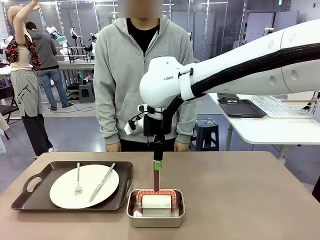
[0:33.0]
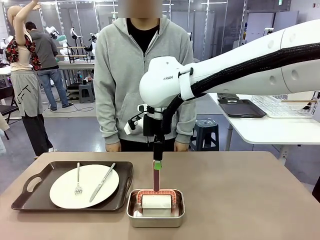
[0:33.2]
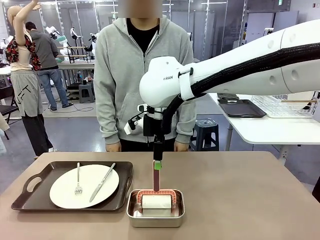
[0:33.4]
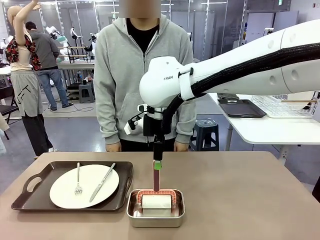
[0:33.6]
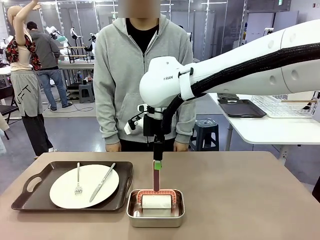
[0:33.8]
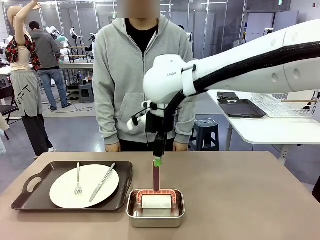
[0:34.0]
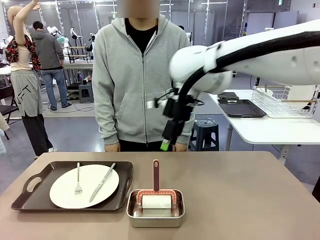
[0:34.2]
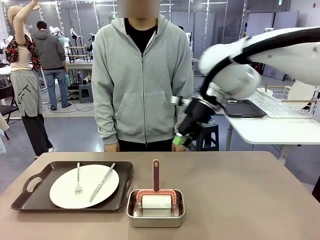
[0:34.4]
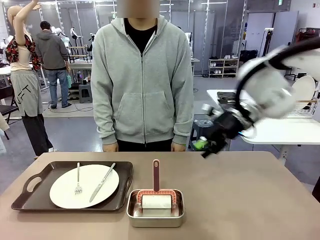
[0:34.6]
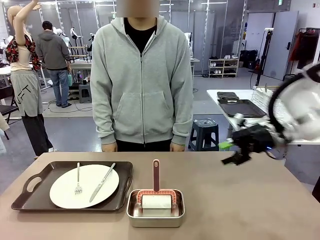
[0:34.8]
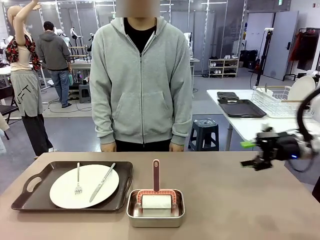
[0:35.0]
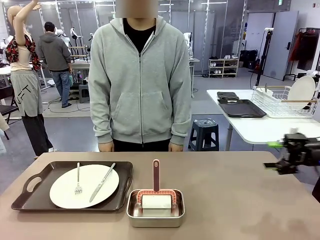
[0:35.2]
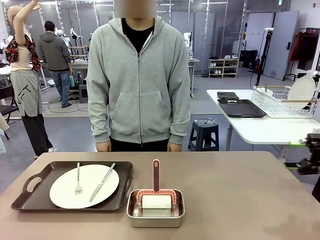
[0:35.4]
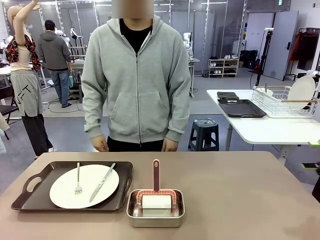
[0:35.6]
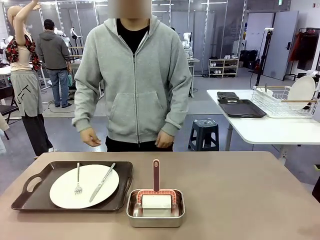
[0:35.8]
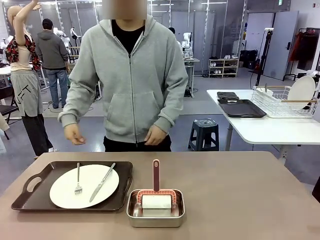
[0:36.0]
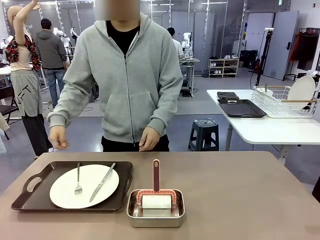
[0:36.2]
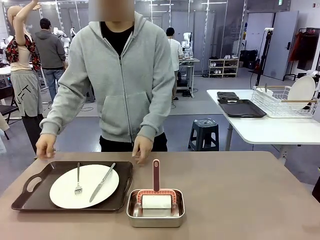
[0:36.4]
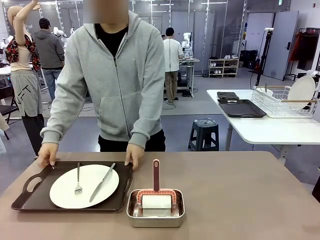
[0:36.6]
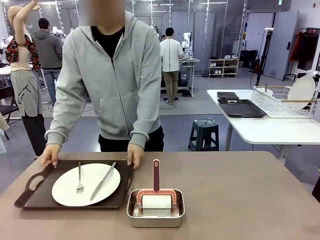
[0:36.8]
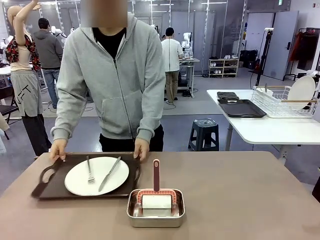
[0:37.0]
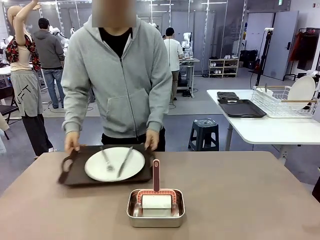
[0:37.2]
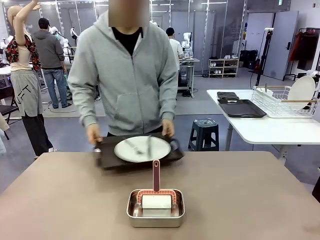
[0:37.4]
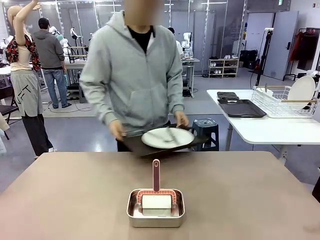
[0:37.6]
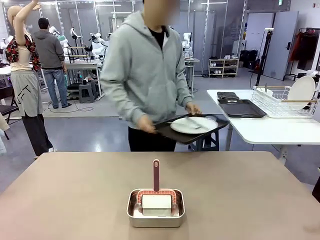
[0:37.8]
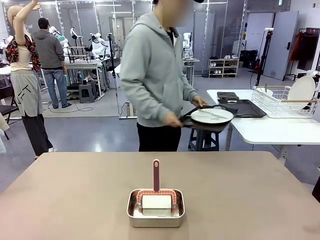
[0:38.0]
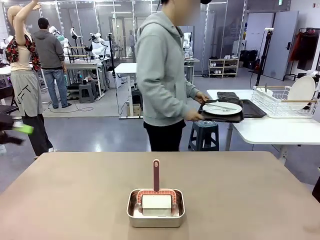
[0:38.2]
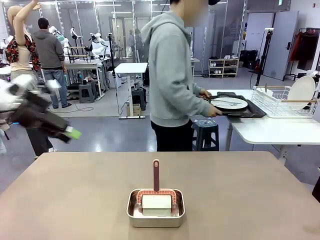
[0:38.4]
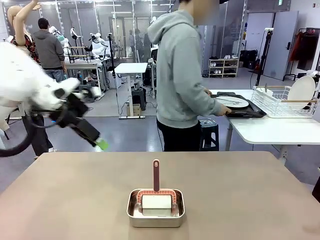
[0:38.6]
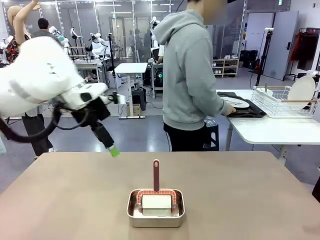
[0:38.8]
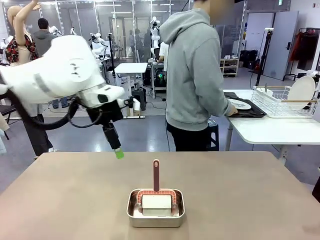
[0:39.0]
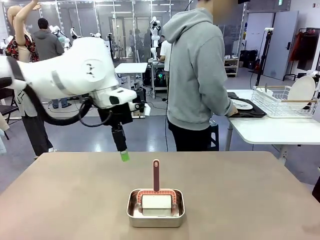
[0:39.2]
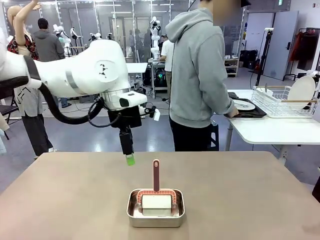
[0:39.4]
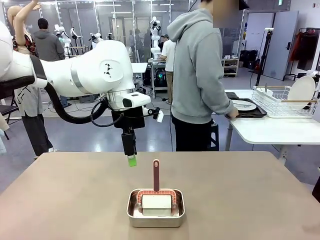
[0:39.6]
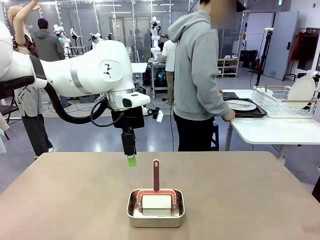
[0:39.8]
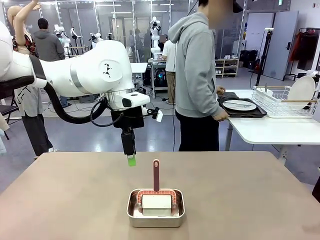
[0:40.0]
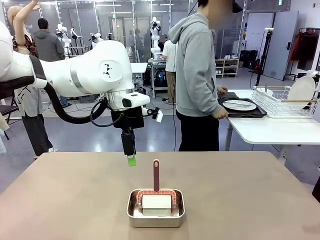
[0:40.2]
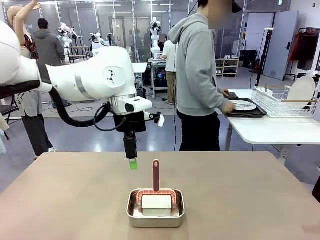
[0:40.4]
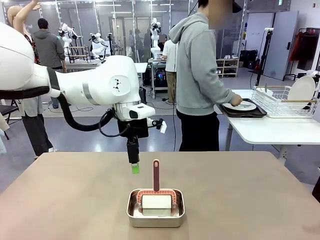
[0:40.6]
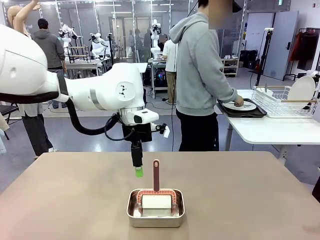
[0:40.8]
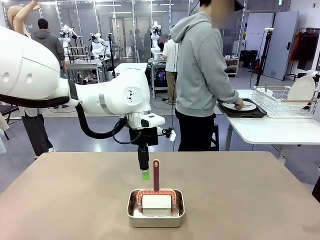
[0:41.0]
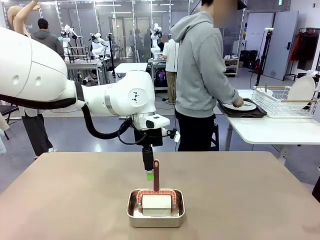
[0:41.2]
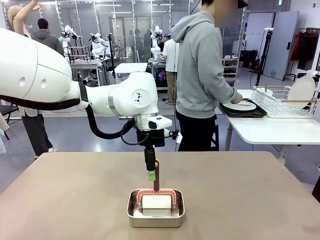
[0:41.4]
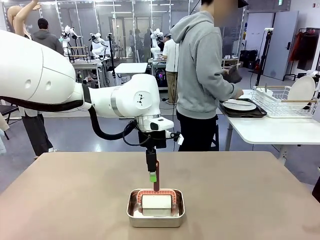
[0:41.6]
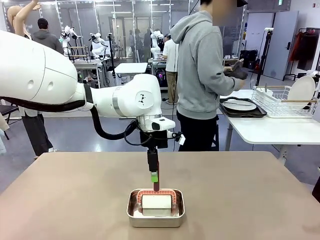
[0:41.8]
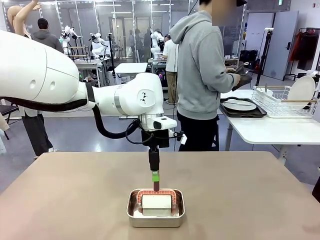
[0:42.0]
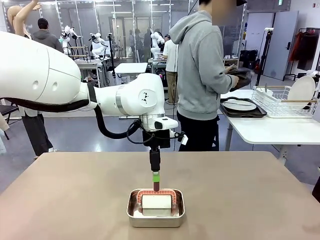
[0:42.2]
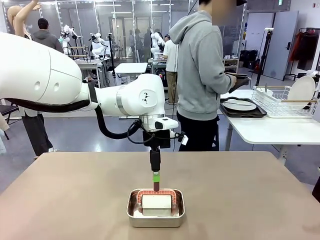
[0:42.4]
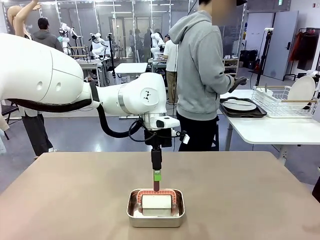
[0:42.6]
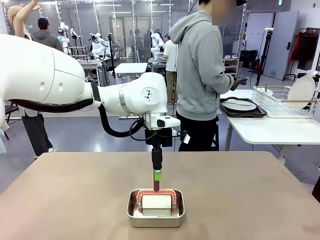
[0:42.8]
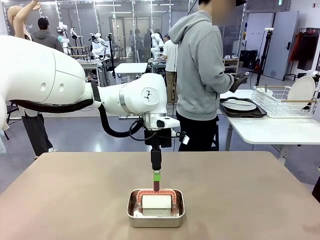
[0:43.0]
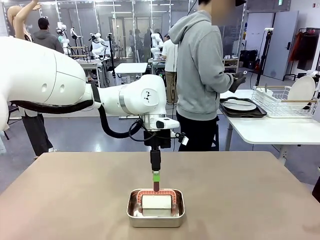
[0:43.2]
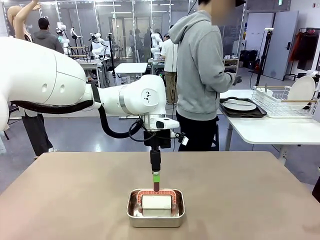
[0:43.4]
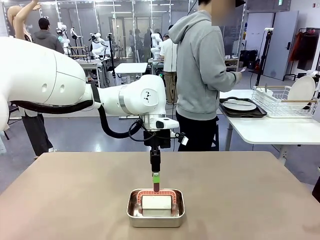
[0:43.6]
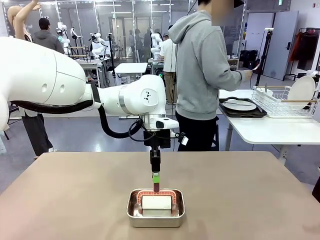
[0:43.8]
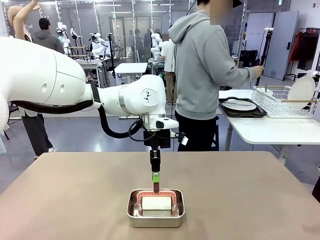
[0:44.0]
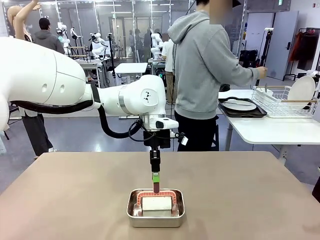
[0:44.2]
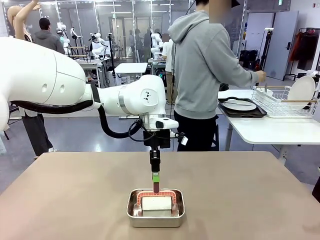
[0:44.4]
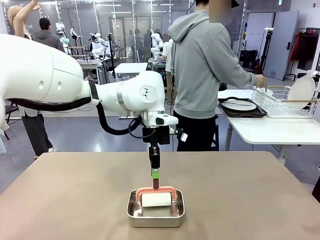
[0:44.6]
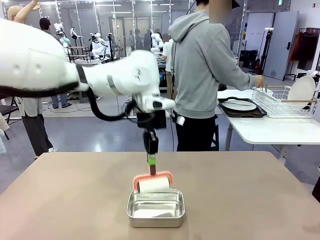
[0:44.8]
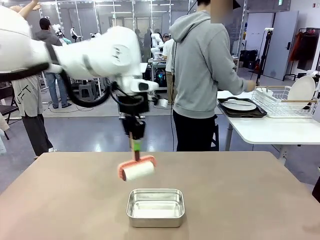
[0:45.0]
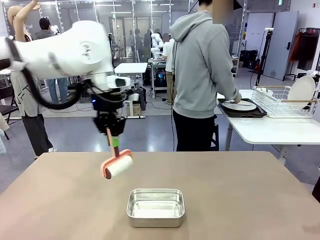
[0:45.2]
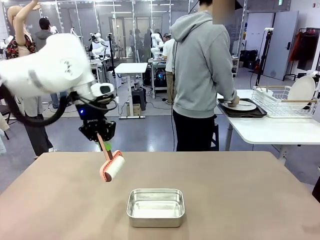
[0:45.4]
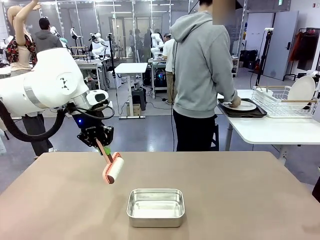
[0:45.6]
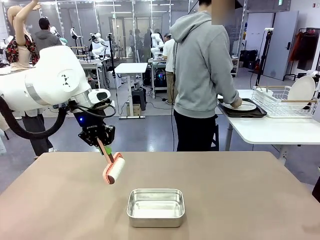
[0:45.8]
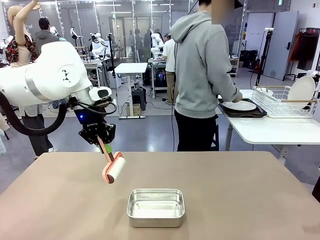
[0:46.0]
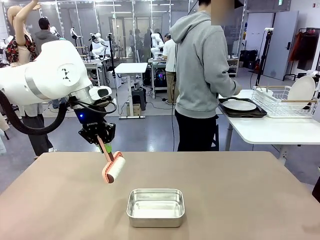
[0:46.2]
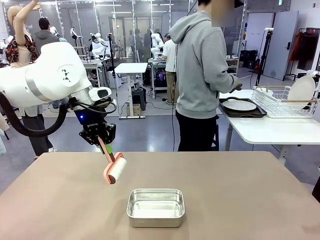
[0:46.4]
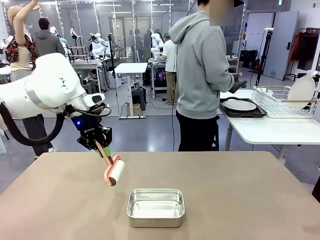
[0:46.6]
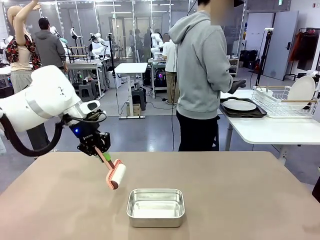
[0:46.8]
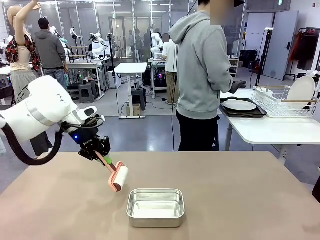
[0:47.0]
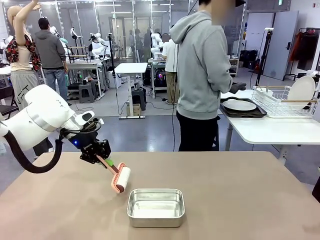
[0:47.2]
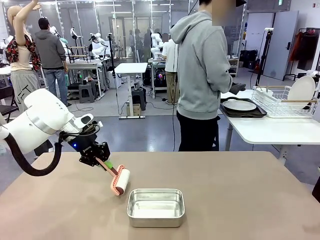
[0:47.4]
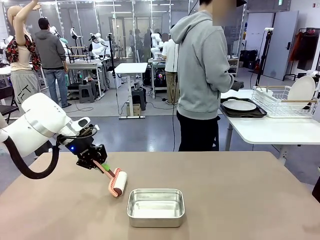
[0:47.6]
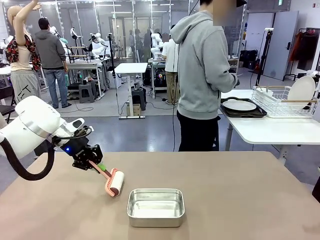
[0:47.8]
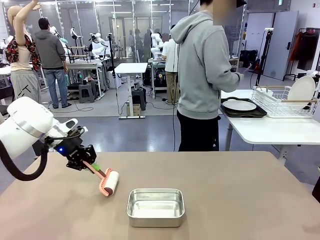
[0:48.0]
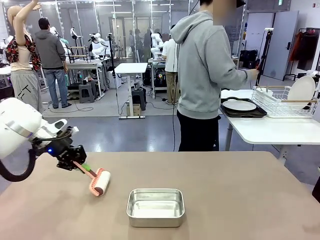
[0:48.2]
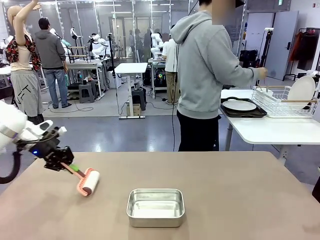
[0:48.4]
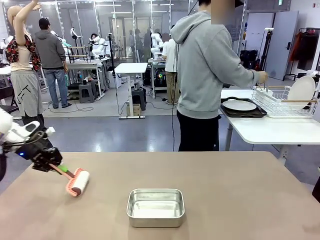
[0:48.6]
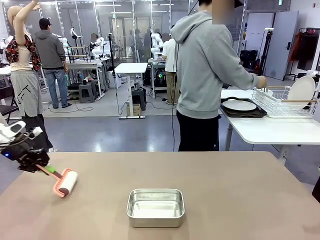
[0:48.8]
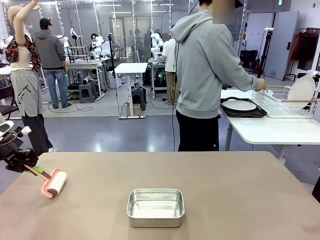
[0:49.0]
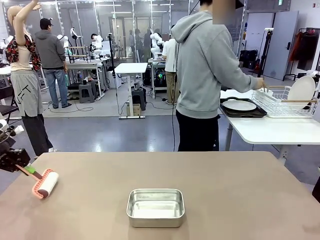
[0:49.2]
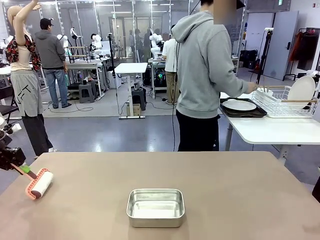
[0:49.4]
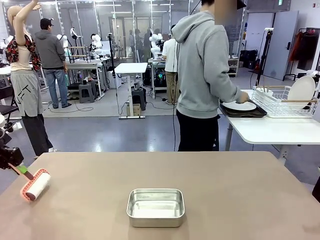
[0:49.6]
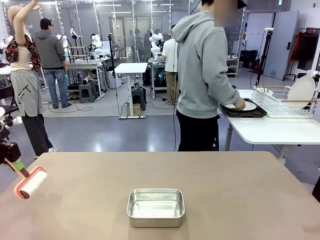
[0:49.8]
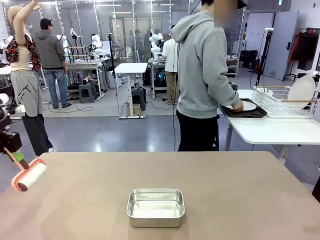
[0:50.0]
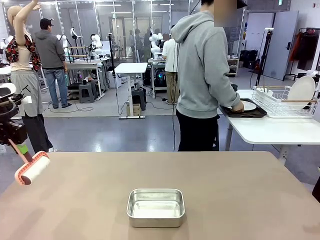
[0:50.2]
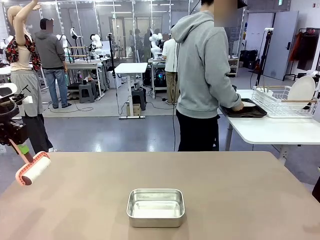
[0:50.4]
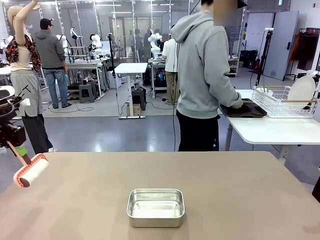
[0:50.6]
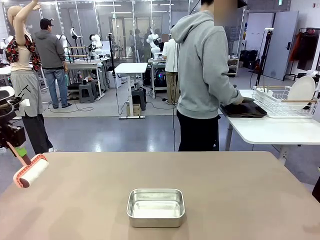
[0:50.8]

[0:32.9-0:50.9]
Robot: When the right (or left) Handle tray is removed, use the right hand (or left hand) to clean the right (or left) side of the table with the Lint Roller.
Person: Use the Towel with hook to wipe the Plastic Matte Plate , Fork , and Knife and place into the Dish drying rack.

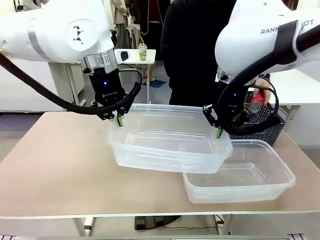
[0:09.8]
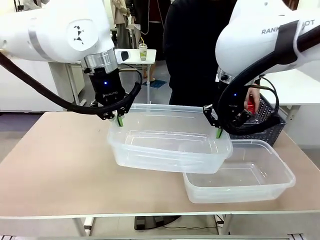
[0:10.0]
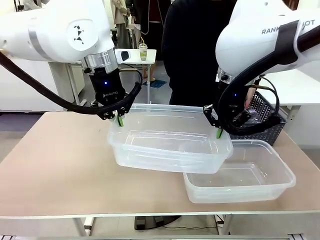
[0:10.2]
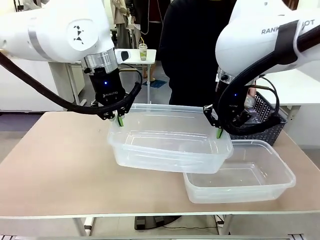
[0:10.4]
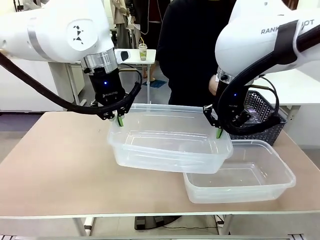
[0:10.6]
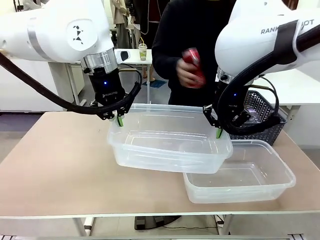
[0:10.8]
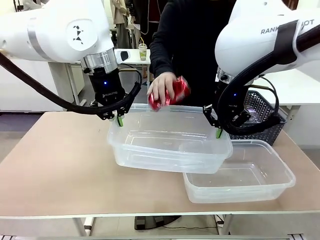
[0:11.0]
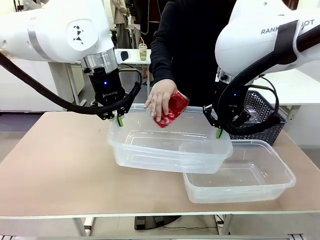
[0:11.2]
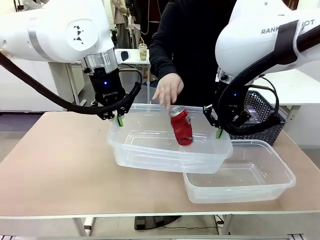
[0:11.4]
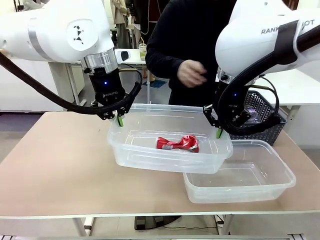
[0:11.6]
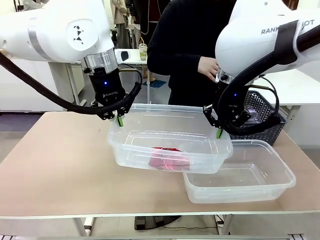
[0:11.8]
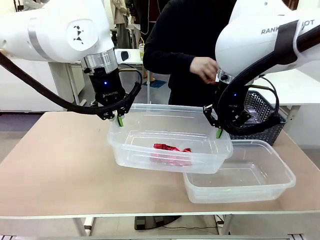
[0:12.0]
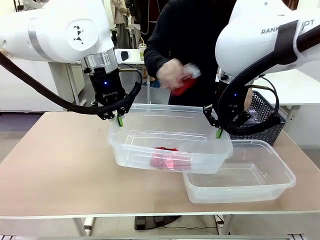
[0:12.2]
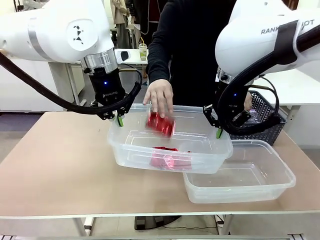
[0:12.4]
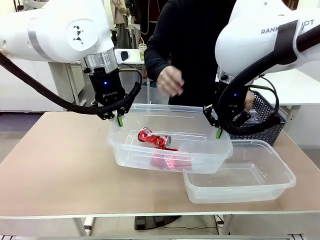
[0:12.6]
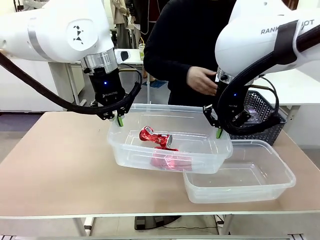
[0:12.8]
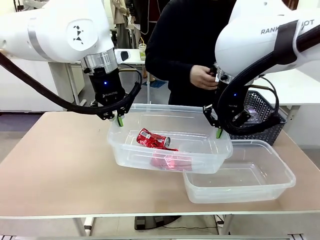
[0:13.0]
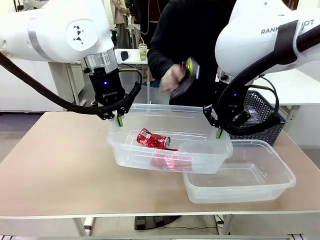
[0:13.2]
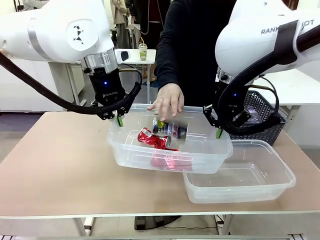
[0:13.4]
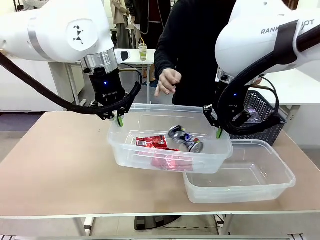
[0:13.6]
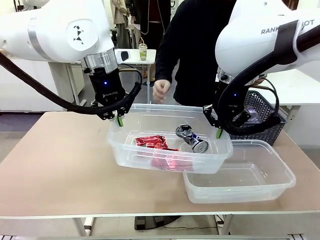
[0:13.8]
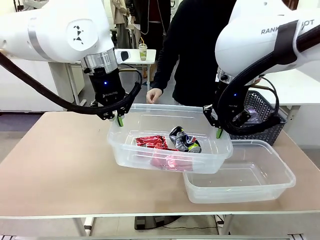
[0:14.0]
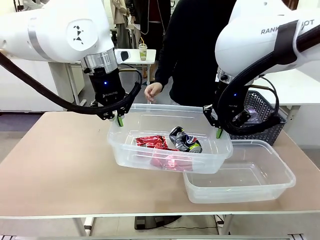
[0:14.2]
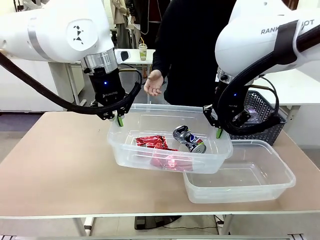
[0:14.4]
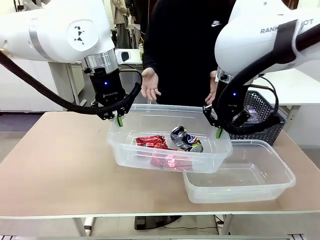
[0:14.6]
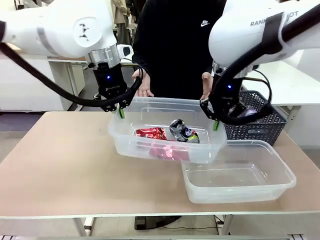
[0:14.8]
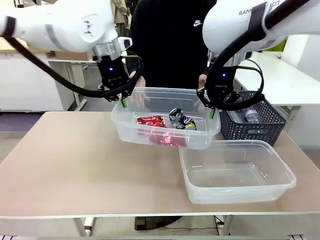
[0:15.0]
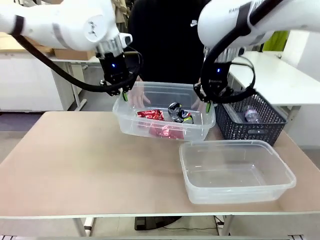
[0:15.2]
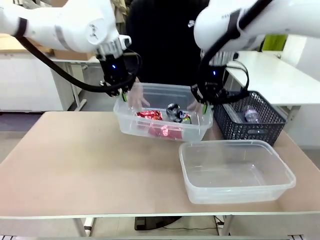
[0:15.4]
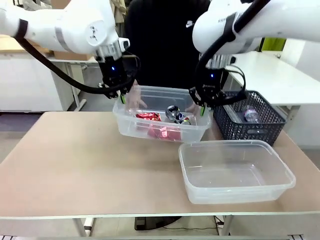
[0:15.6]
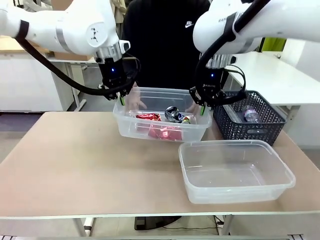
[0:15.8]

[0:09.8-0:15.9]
Robot: Offer the picked Organizing box to the human.
